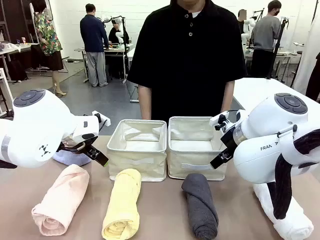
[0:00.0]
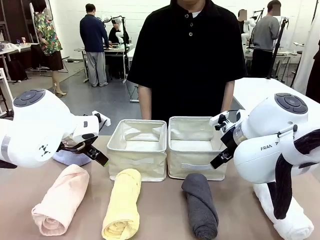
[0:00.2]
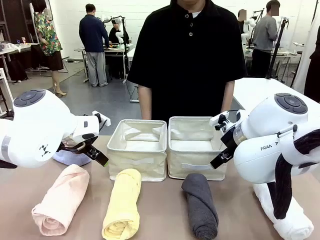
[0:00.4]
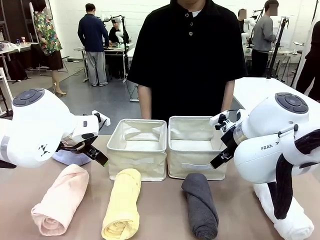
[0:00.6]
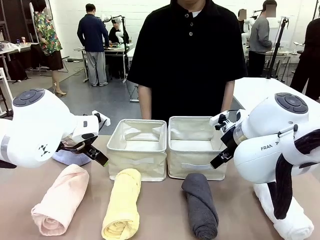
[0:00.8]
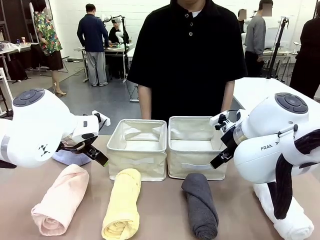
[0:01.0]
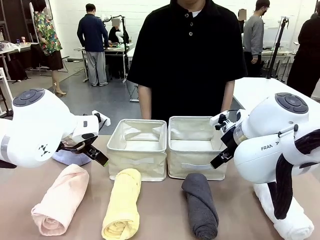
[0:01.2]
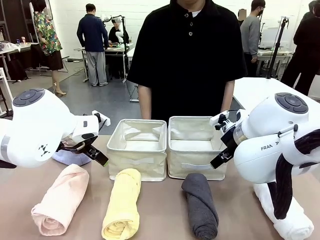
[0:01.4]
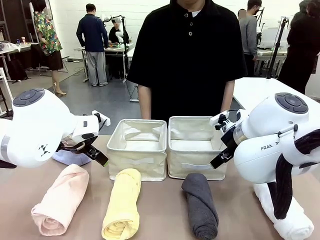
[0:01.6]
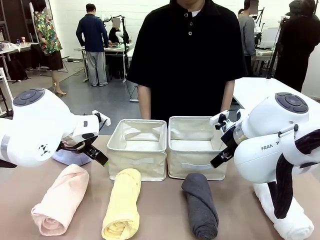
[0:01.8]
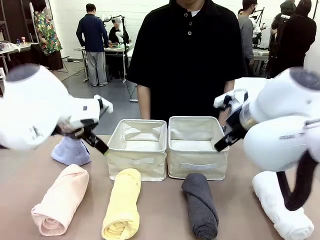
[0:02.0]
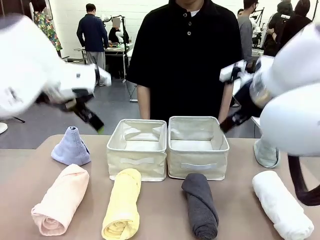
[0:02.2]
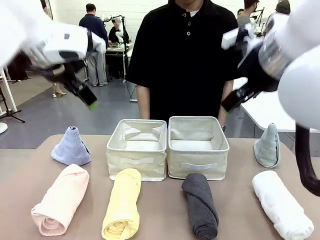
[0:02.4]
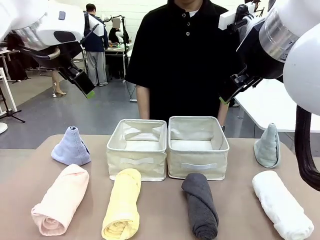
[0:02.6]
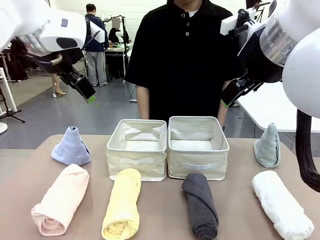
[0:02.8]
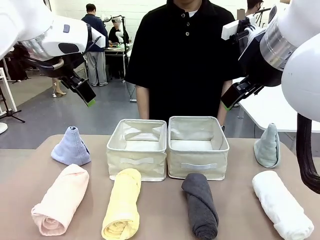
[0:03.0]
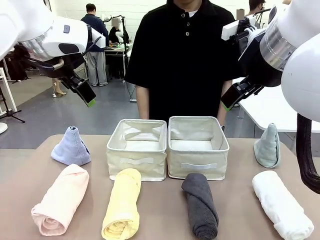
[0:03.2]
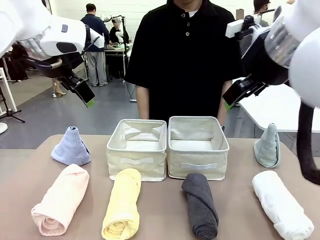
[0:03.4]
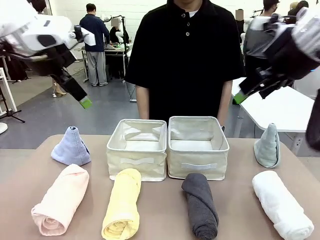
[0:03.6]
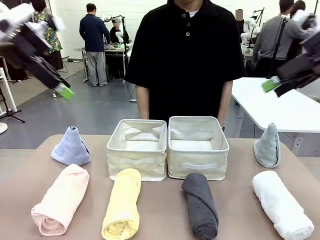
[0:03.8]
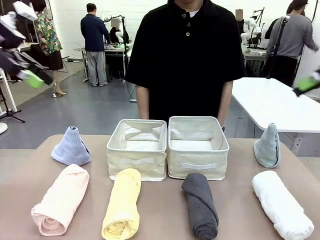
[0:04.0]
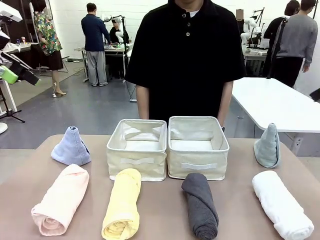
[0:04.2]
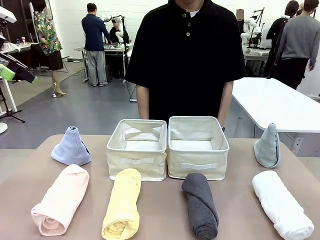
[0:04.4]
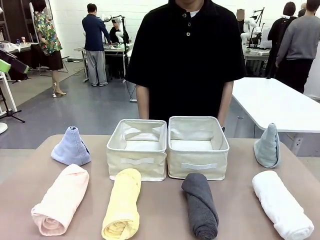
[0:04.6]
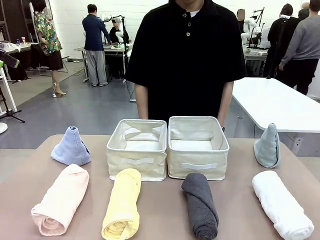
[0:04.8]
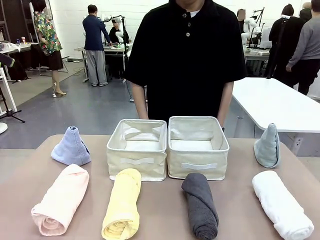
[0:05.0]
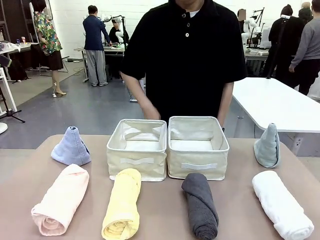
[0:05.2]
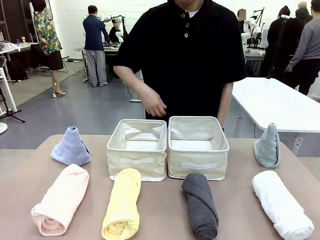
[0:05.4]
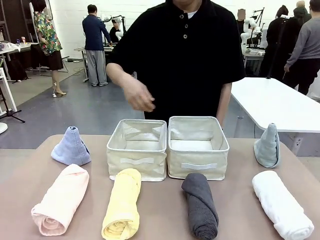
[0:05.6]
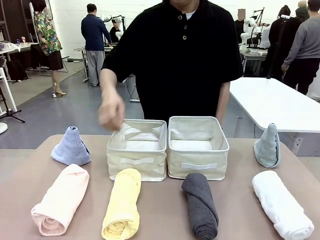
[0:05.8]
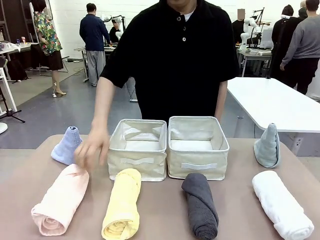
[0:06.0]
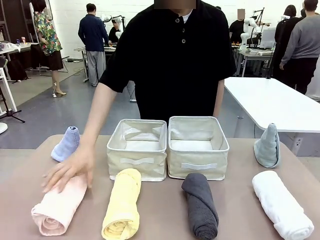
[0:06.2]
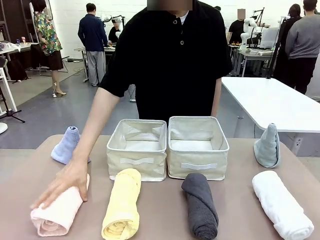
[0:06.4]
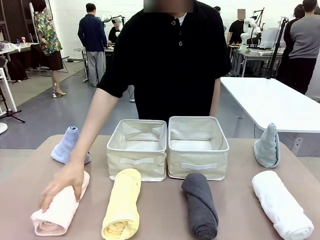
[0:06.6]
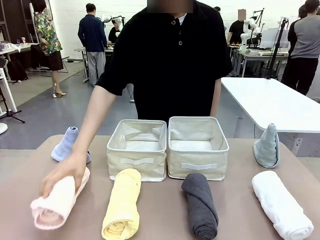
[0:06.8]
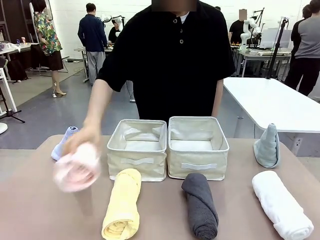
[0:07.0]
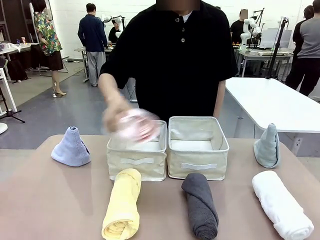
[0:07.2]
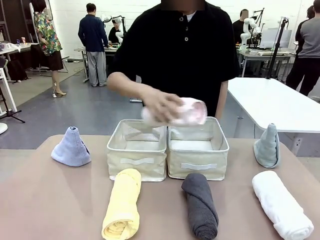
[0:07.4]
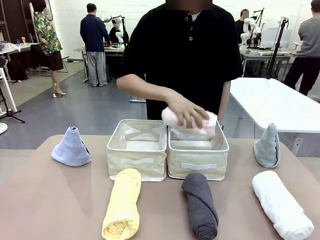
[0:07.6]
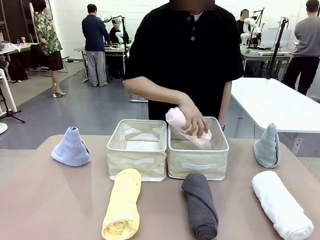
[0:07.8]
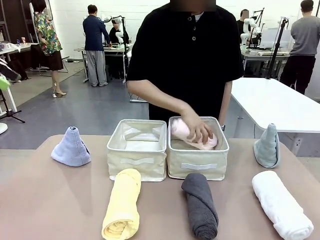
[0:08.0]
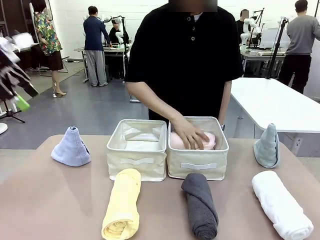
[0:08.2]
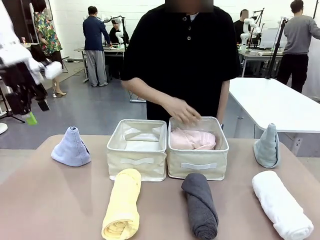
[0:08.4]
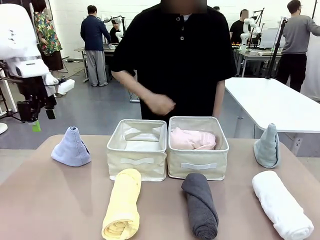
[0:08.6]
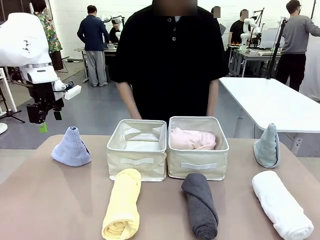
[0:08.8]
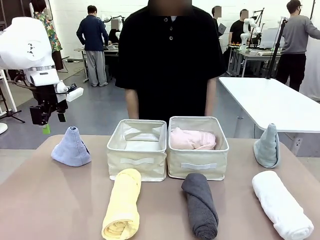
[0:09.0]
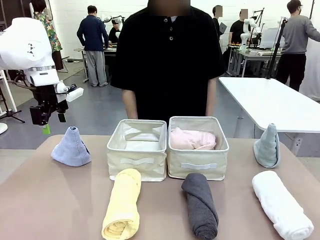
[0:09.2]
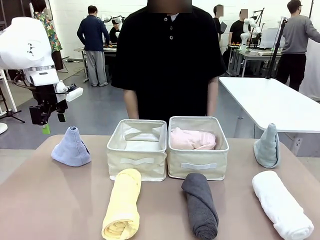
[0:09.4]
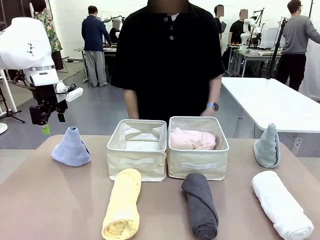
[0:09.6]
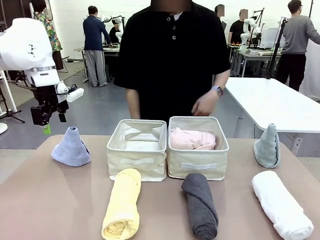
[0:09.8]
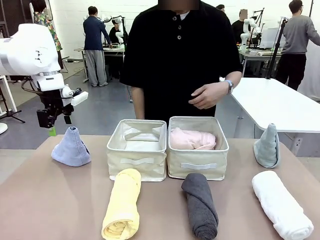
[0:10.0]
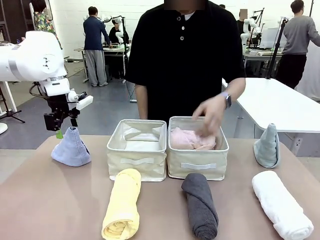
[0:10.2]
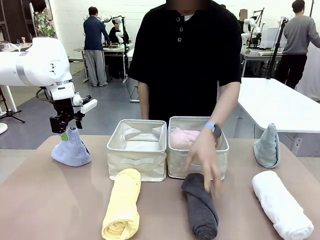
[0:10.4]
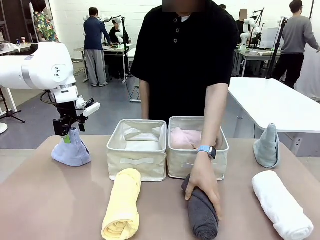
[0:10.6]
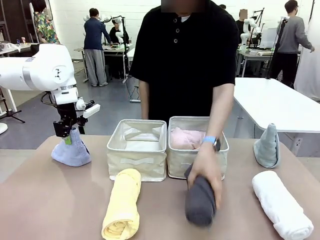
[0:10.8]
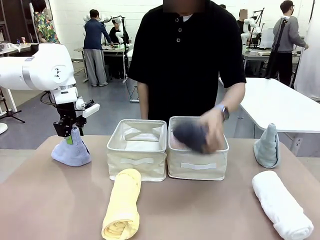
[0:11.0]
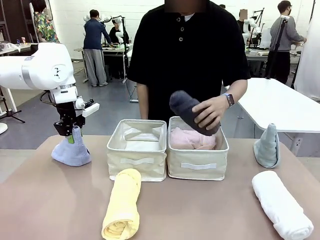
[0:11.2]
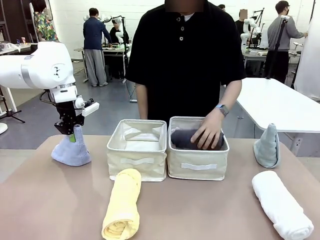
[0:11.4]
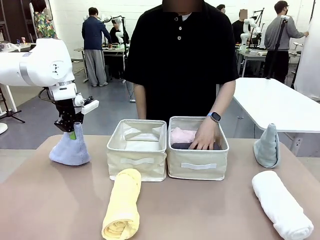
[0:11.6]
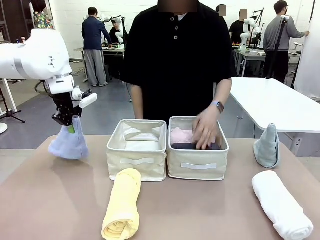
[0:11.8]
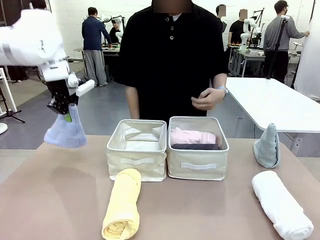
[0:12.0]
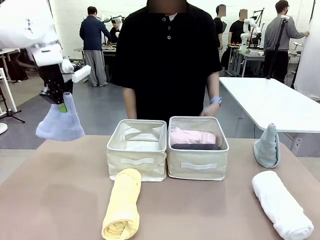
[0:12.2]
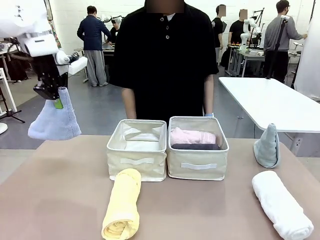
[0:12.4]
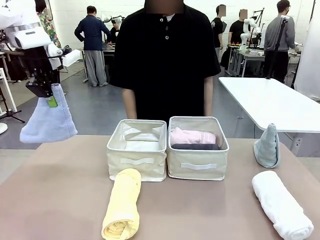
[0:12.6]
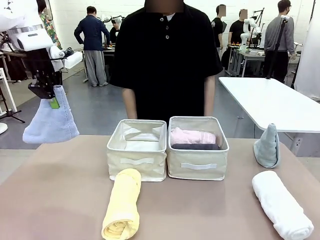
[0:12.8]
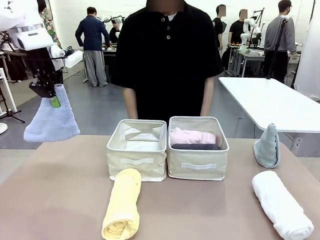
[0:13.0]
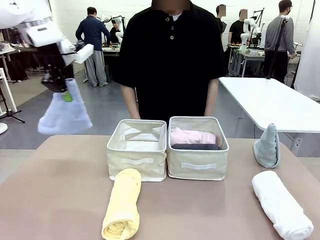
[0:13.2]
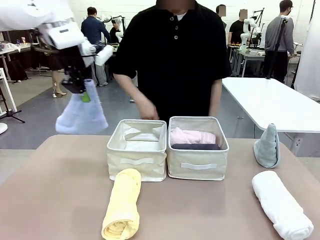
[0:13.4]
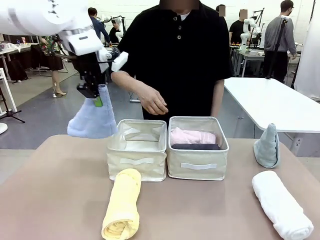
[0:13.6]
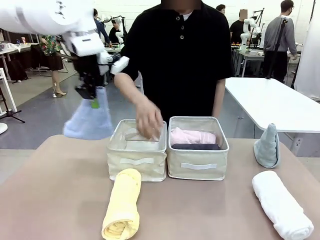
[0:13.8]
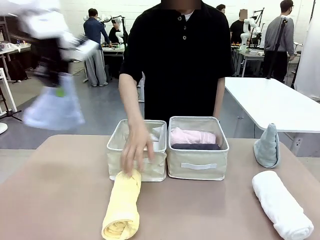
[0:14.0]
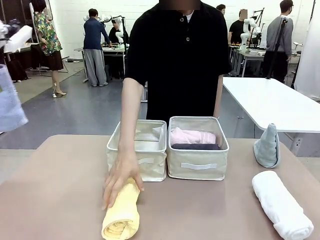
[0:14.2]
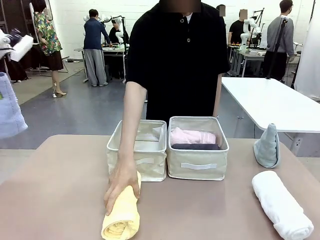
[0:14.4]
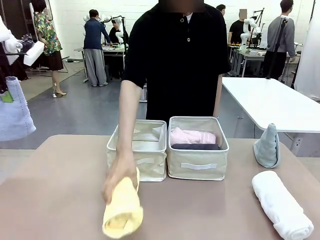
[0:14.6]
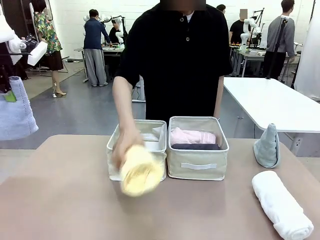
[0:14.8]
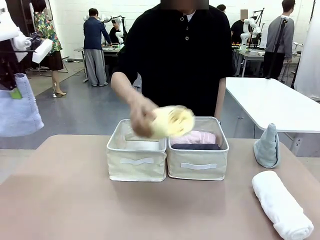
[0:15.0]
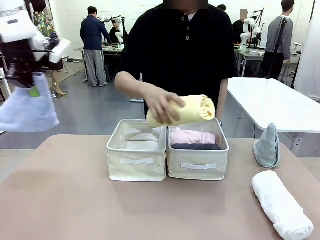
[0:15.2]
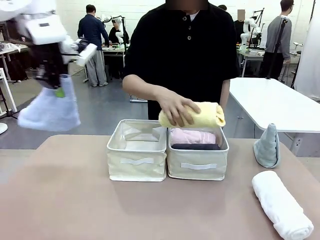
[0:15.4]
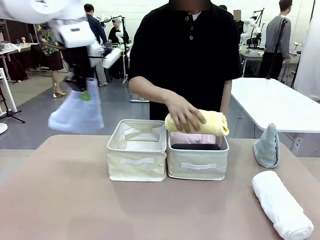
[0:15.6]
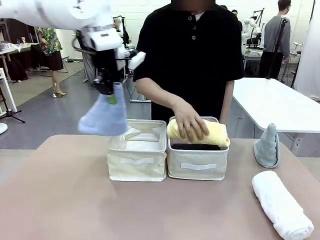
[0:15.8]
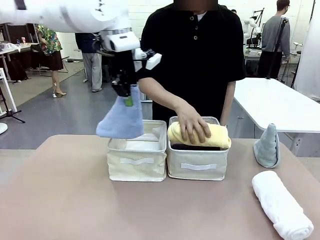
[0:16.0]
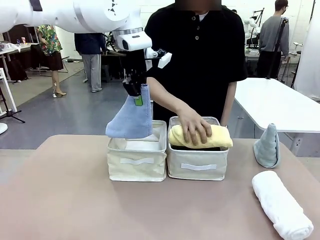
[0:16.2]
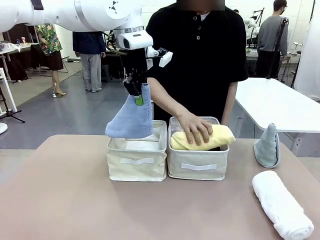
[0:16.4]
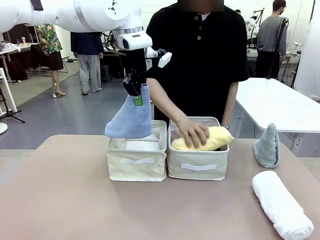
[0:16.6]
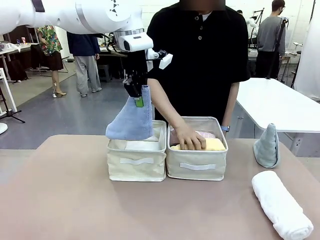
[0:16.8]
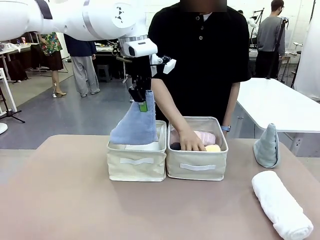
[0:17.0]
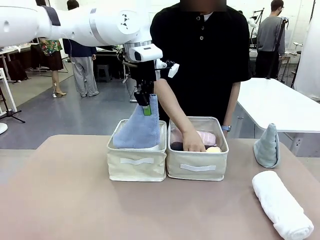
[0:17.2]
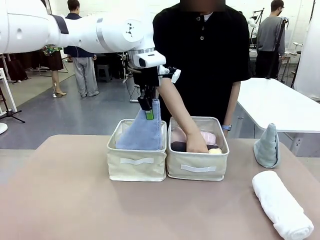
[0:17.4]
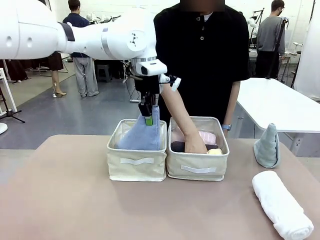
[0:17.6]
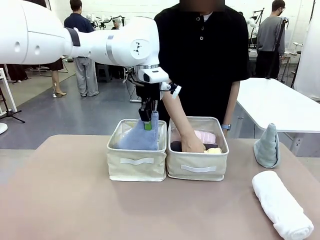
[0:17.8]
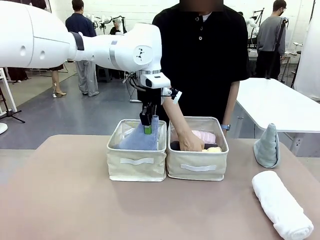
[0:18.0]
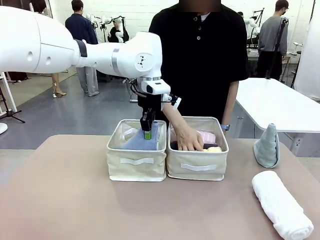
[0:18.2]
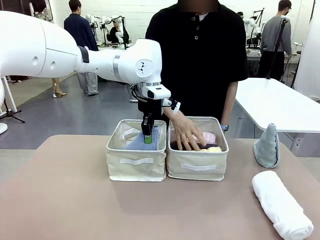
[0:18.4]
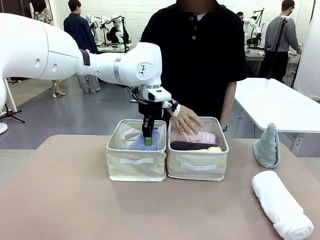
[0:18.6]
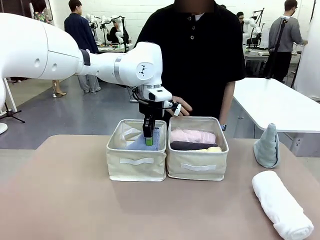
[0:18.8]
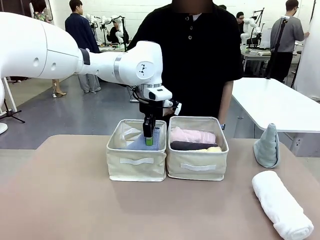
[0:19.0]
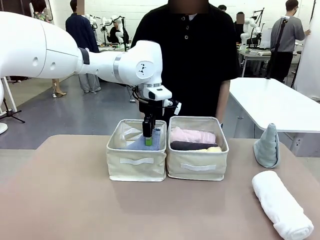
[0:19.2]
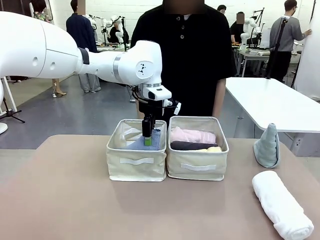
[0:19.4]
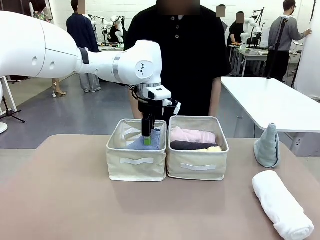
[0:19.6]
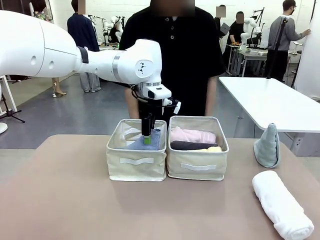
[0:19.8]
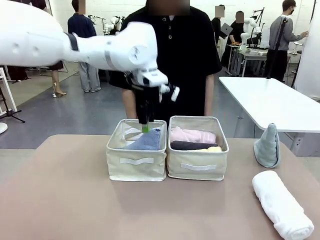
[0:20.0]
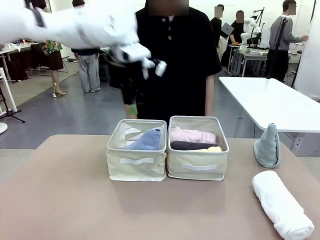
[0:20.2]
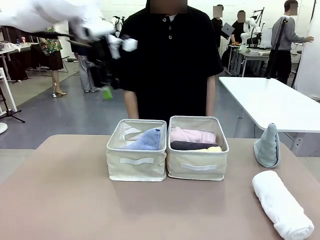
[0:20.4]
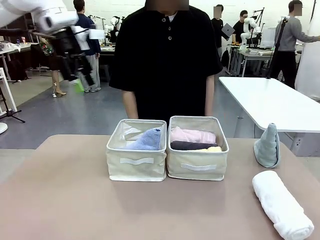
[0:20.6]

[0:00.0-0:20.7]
Task: Sort the towels based on their folding style.
Robot: Pick up one triangle-folded towel and place it in the left Fabric basket.
Person: Pick up one hotel-style rolled towel and place it in the left fabric basket.
